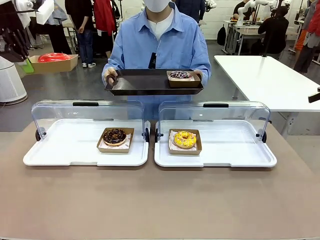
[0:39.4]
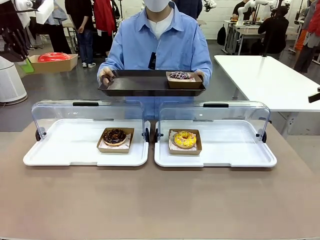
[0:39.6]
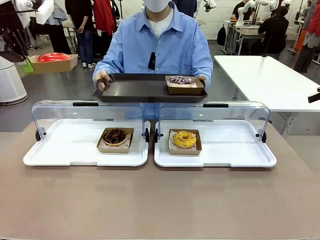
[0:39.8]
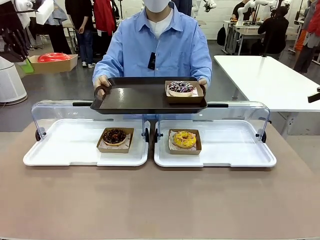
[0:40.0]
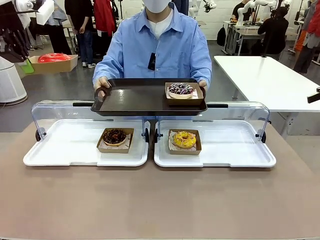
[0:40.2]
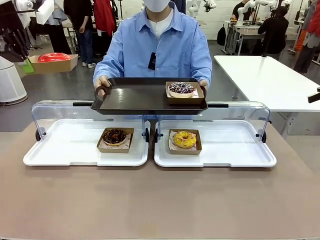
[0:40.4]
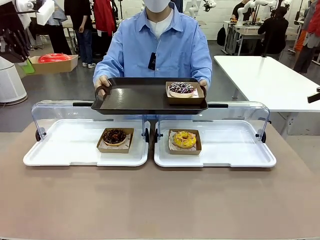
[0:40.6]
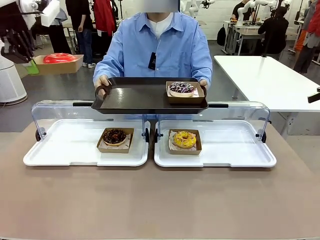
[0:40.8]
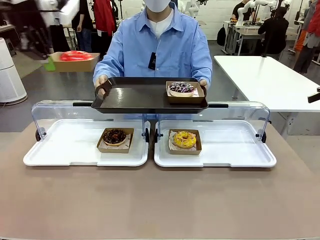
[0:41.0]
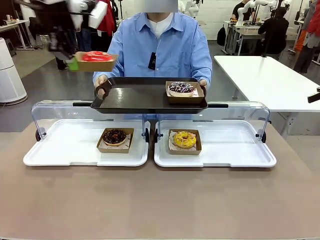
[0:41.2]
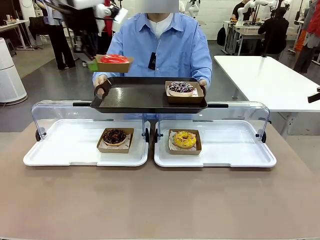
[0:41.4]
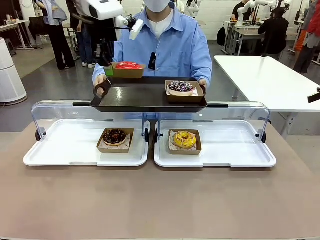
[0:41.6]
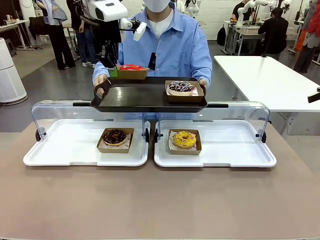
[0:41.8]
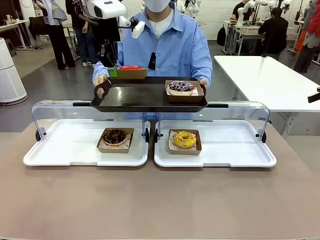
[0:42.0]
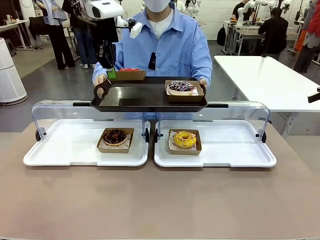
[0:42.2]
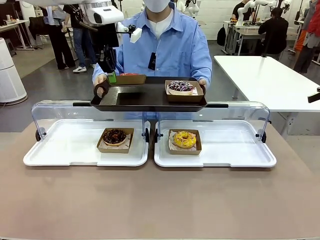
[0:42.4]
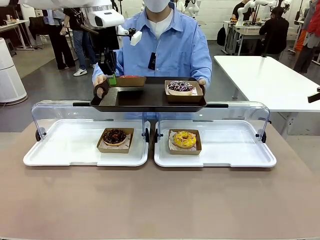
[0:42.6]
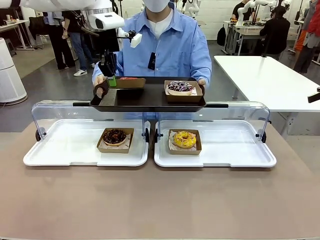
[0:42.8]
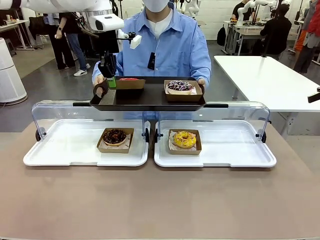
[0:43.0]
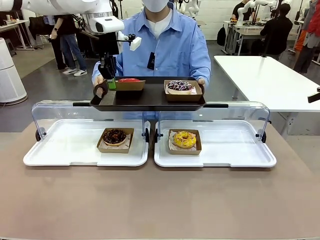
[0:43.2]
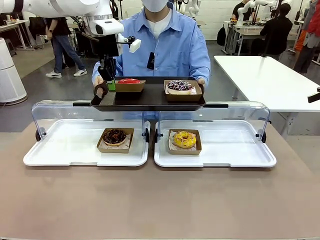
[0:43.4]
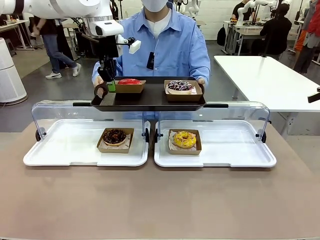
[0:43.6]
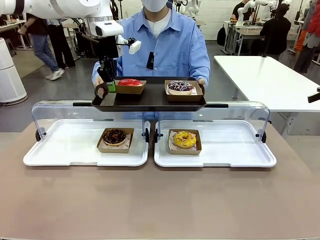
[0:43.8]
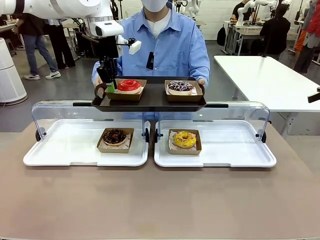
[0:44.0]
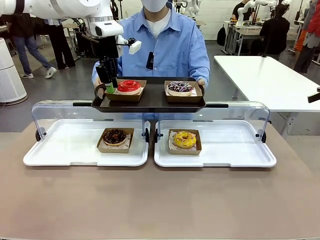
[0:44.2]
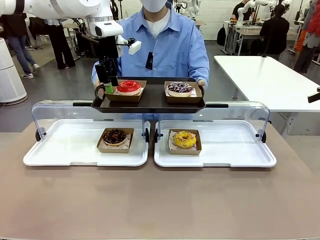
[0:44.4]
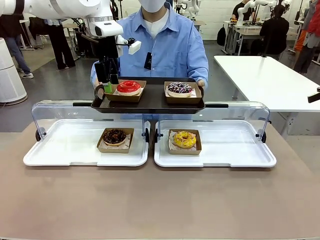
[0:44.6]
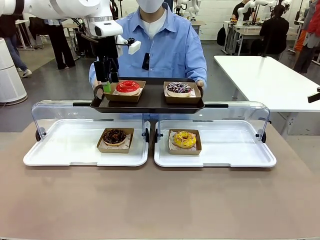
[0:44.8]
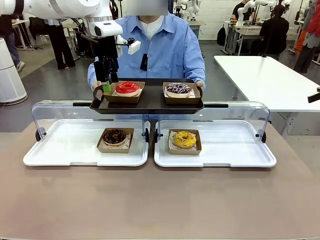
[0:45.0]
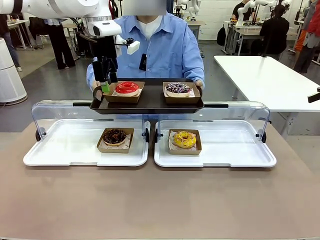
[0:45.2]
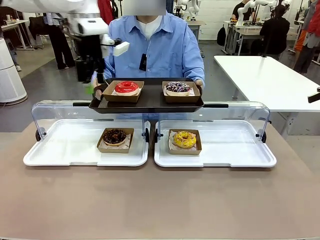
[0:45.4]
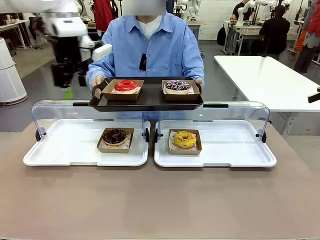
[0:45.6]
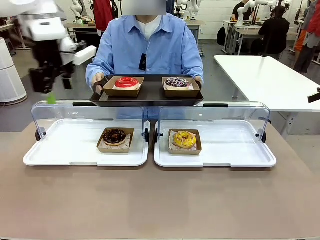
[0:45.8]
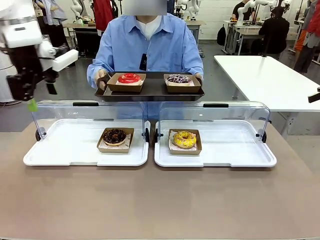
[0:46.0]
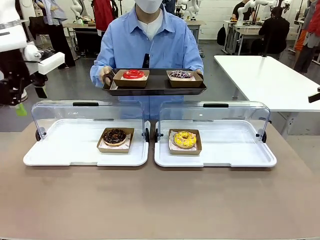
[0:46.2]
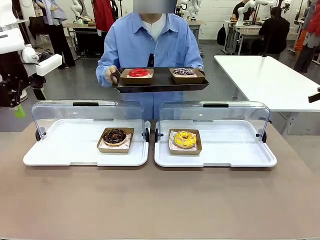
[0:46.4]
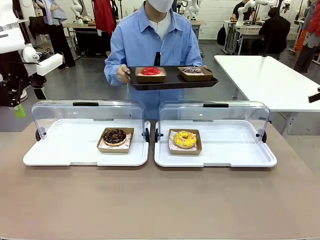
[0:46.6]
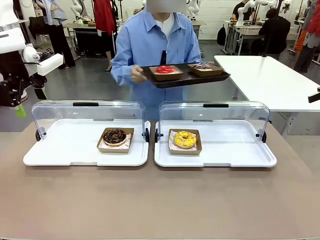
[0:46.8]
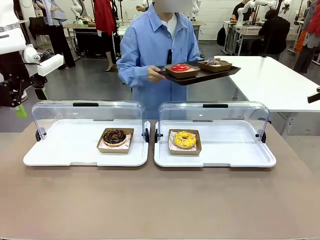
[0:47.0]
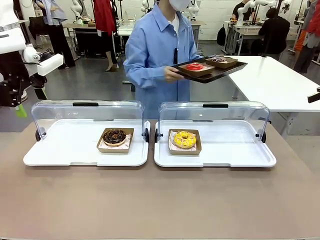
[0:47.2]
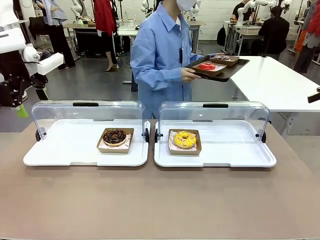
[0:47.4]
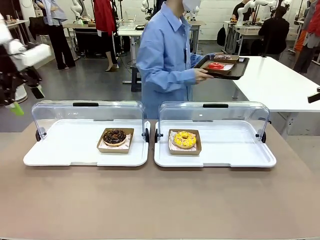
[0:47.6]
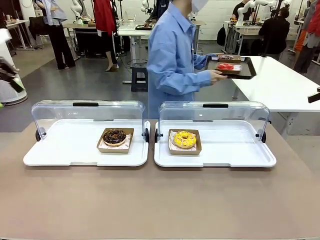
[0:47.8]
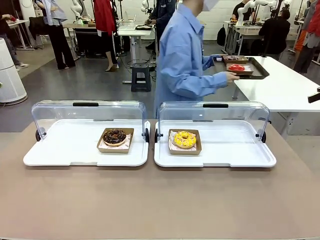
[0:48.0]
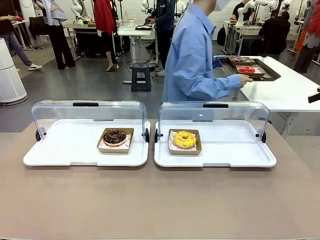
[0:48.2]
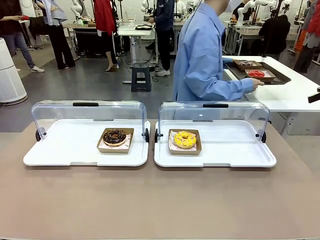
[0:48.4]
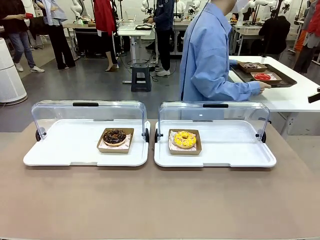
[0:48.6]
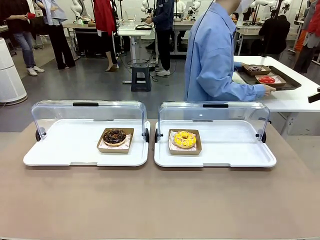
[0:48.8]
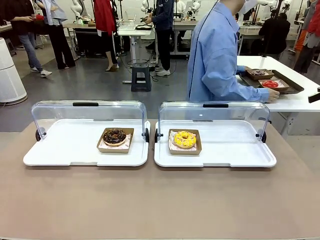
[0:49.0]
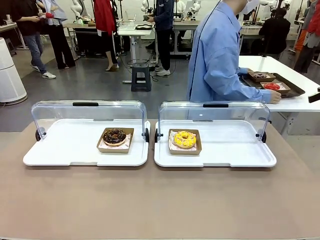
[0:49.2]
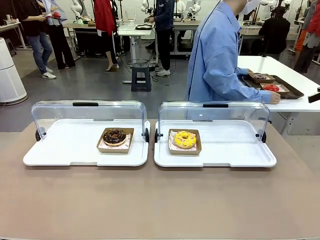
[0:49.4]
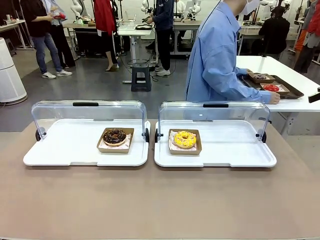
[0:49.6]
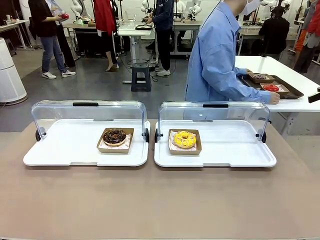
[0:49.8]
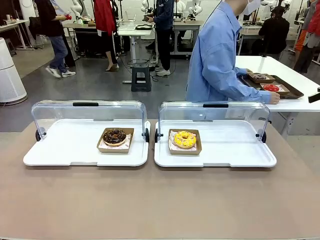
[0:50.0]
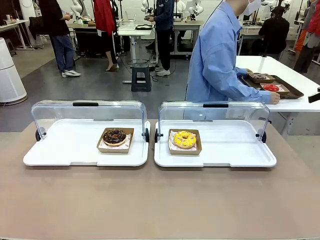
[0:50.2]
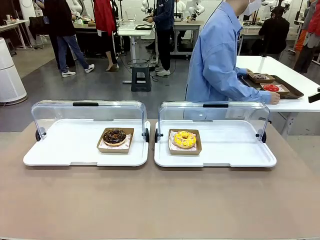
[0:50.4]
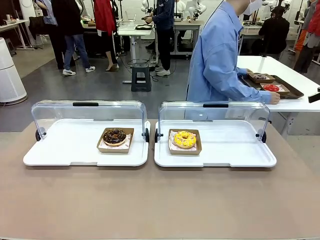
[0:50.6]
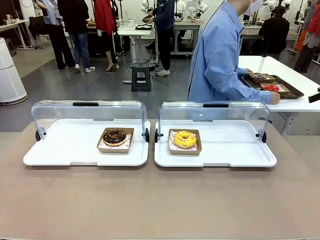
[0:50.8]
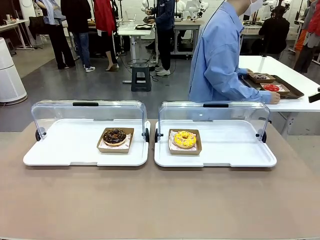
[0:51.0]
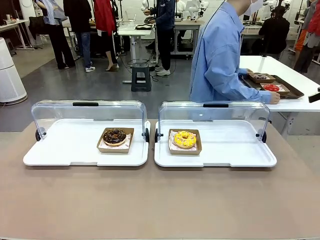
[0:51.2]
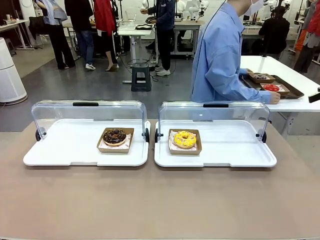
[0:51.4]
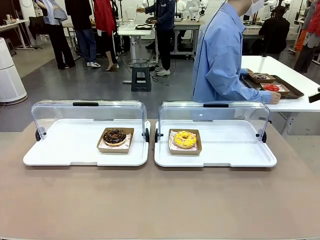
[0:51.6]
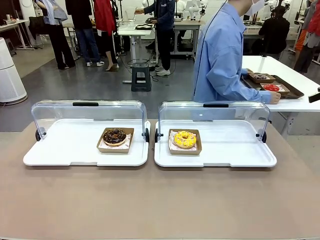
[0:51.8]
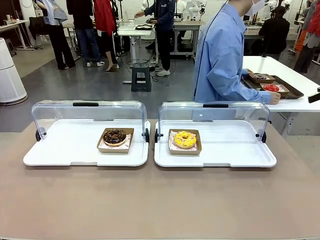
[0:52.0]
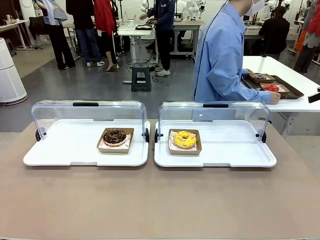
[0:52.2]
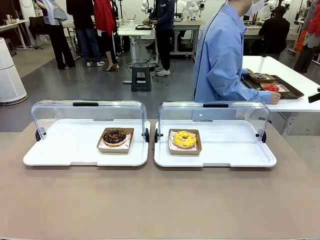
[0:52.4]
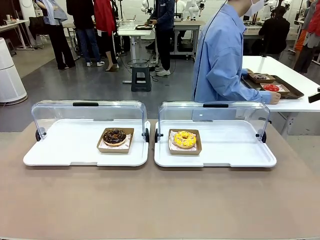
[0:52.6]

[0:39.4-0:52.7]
Task: Provide the desired donut to the person.
Robot: Place the picked Paper togo box onto the Handle tray extended by the person.
Person: Place the tray in the middle of the human table.

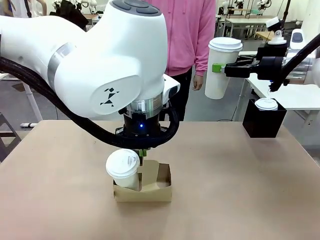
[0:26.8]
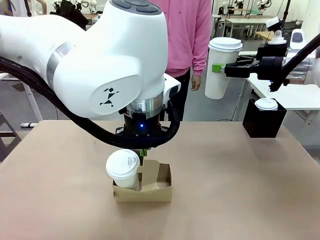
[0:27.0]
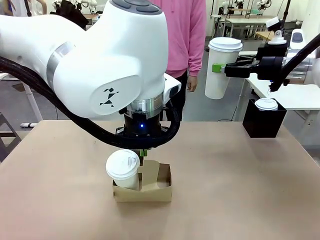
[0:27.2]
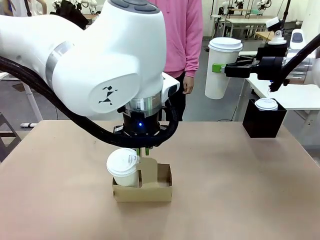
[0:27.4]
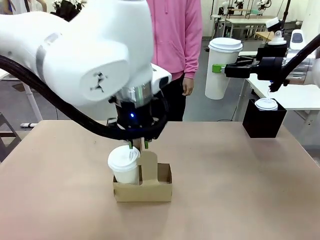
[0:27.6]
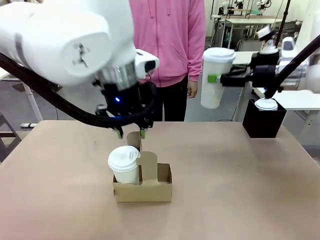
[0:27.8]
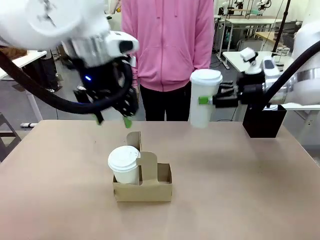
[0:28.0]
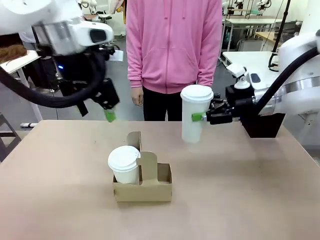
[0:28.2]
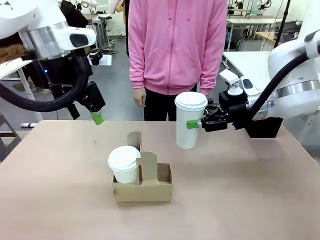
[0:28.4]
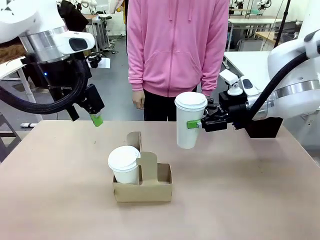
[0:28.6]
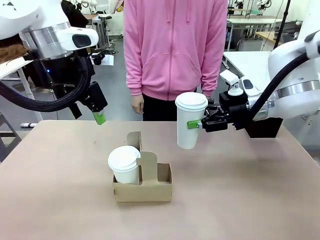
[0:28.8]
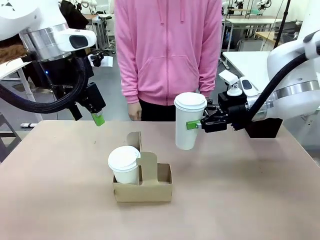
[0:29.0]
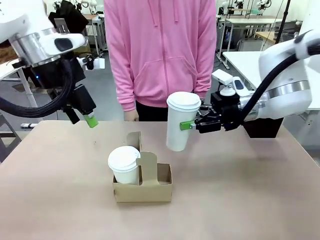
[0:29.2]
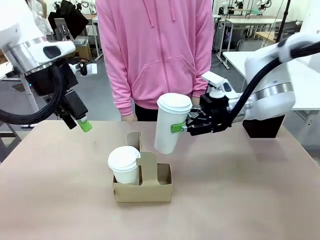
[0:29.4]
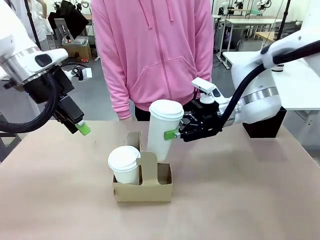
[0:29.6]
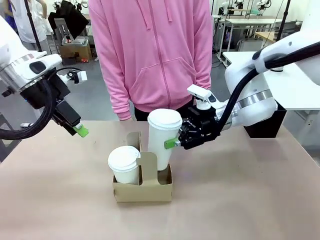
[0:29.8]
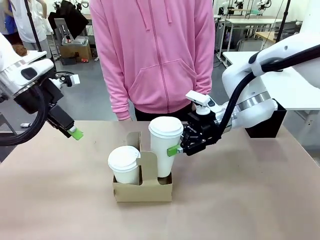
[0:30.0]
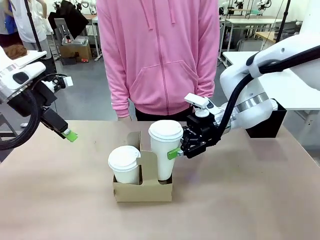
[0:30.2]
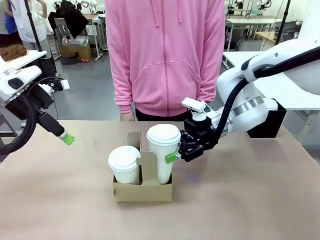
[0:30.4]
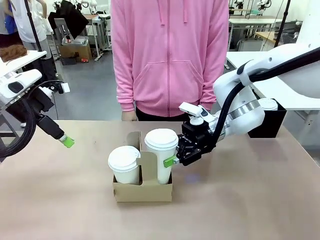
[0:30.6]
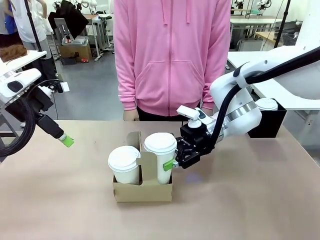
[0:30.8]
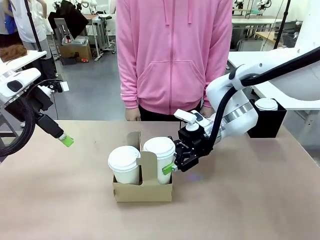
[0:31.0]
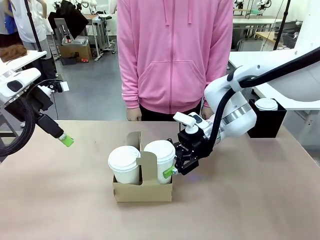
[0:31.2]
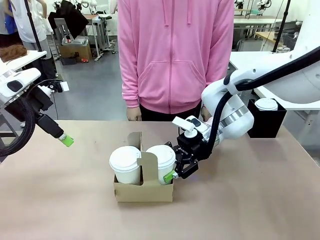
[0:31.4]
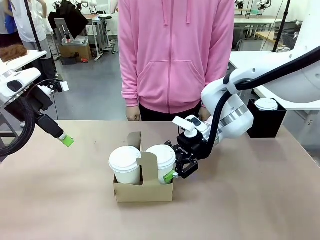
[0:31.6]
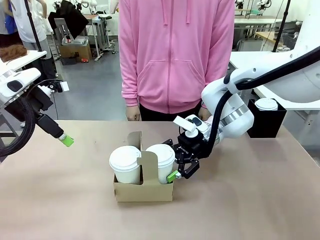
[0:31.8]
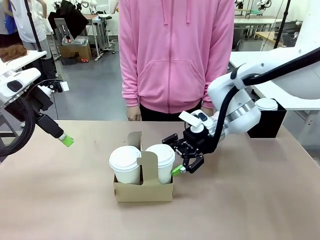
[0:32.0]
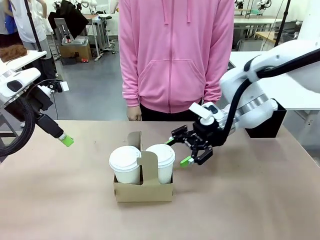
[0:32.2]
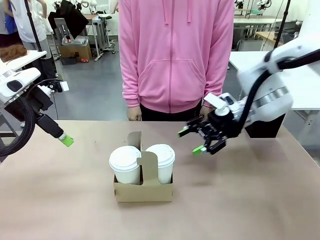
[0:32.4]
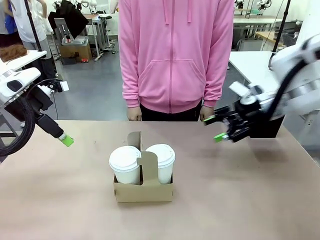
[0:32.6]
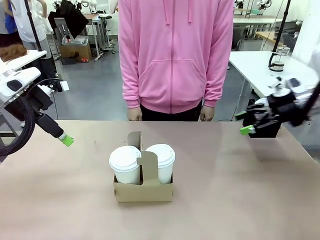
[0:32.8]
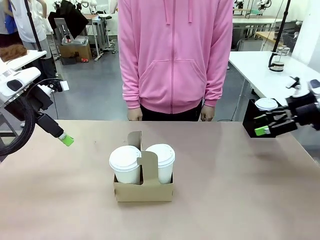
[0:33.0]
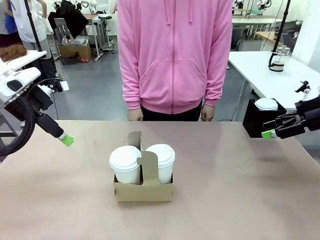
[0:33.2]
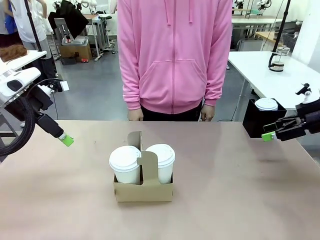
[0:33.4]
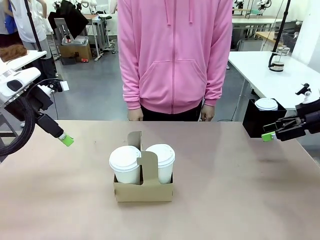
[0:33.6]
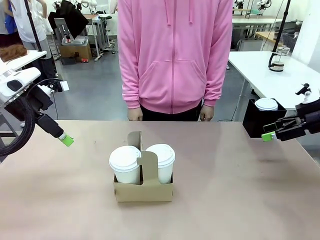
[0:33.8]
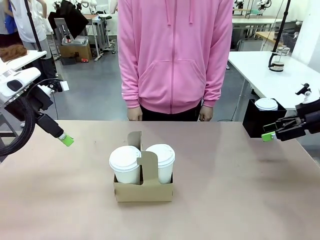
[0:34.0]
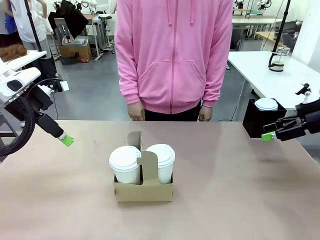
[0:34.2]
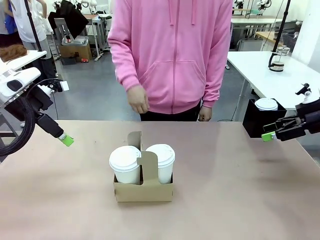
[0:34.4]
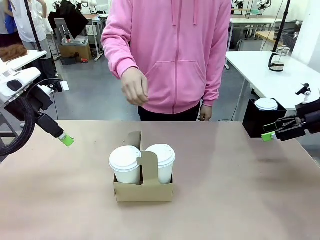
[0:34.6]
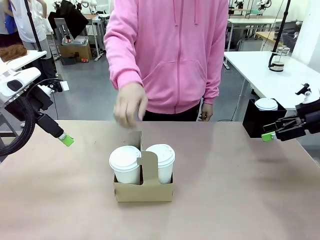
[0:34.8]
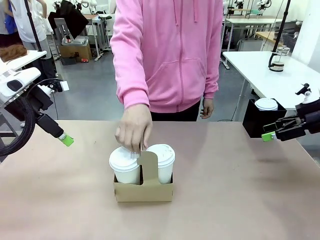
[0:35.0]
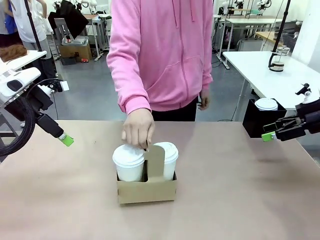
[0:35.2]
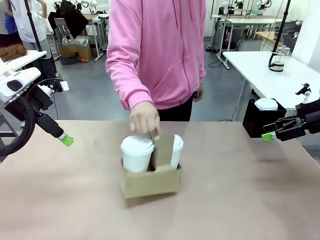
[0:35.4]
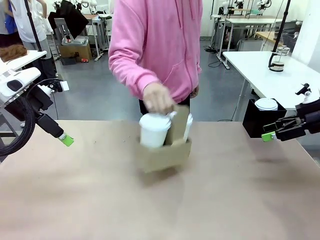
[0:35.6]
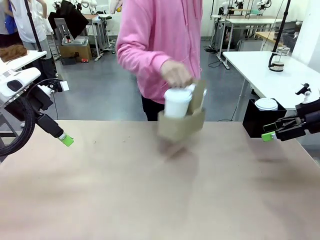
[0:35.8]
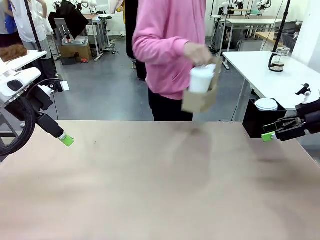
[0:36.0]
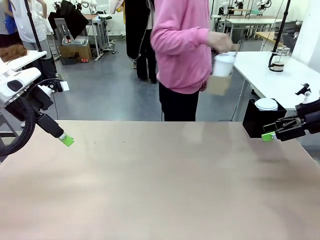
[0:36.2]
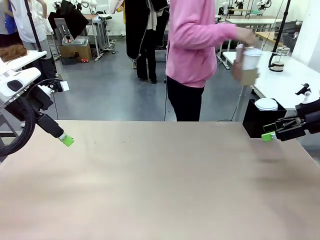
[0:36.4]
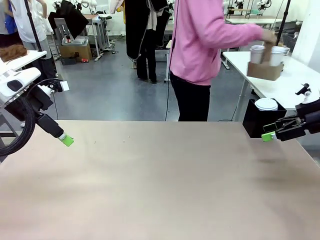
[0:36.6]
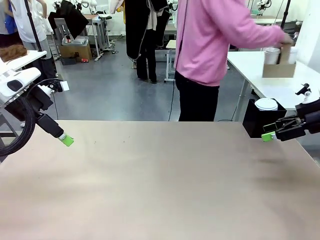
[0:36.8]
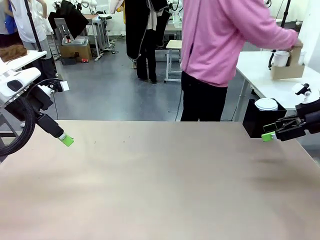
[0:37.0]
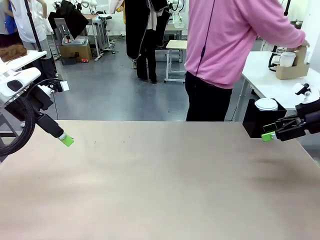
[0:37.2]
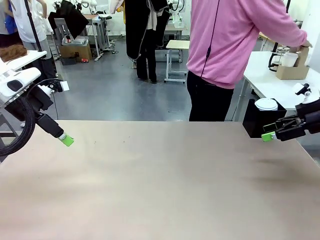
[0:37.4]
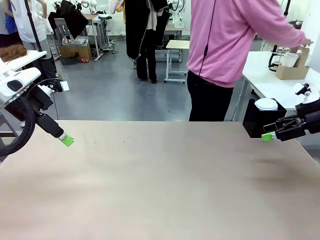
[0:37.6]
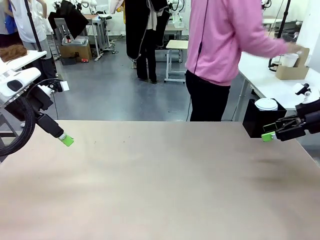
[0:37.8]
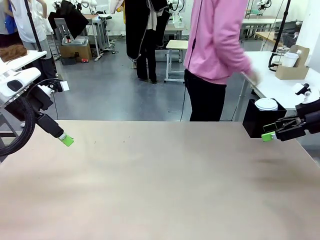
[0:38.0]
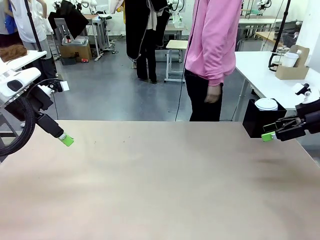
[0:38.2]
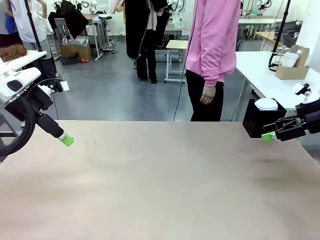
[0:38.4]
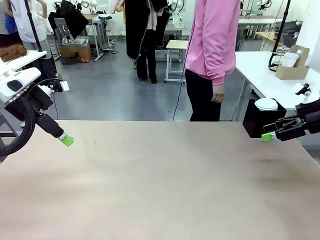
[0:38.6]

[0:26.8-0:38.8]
Task: Pour a drink into a cup and package it in a carrier.
Robot: Insert the held 600 ml Paper Cup into the Cup Carrier.
Person: Place the Cup Carrier to the middle of Human table.
